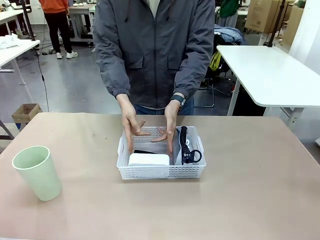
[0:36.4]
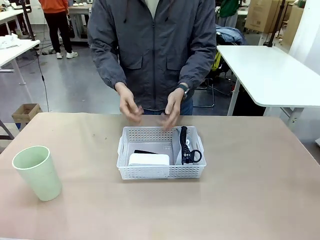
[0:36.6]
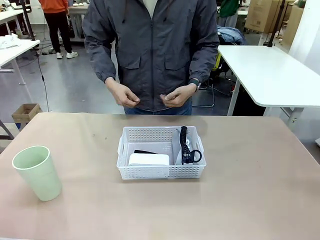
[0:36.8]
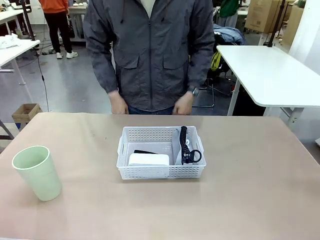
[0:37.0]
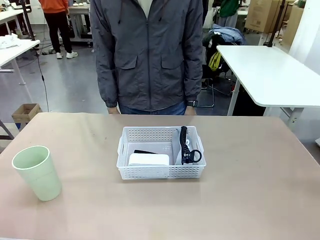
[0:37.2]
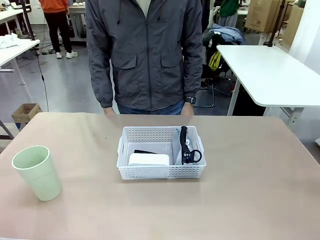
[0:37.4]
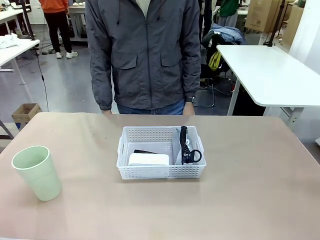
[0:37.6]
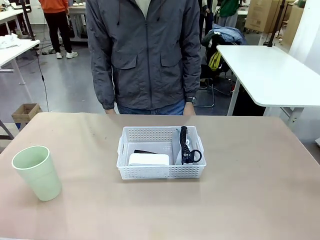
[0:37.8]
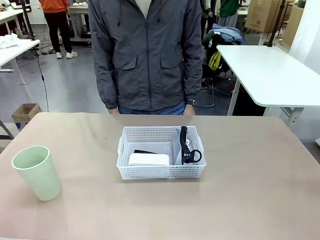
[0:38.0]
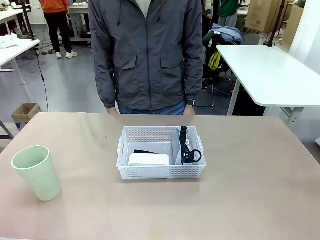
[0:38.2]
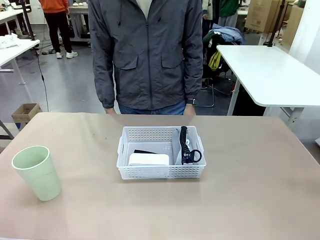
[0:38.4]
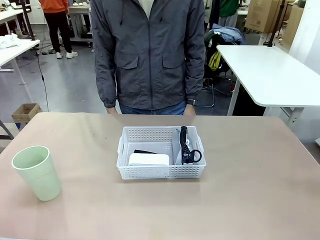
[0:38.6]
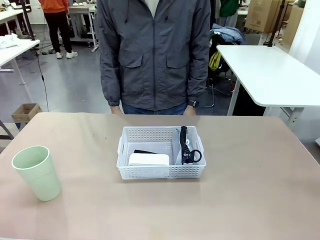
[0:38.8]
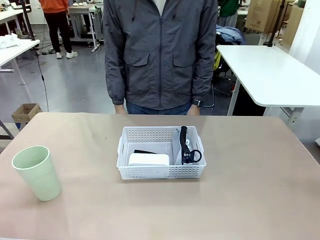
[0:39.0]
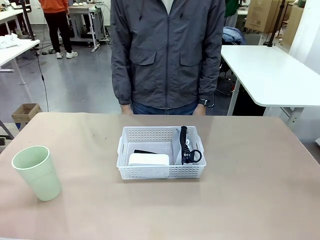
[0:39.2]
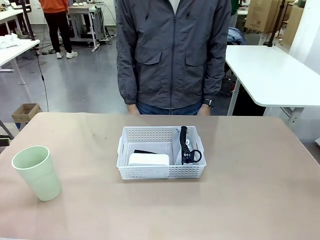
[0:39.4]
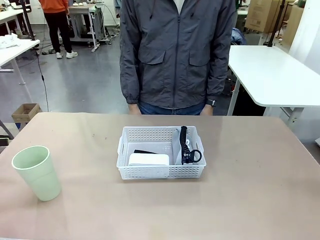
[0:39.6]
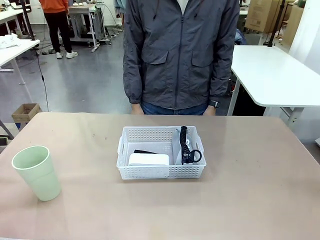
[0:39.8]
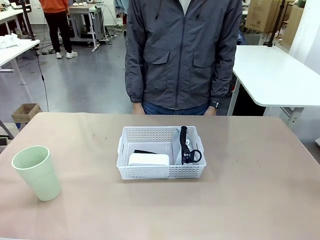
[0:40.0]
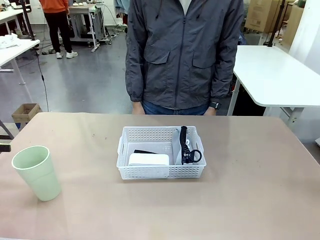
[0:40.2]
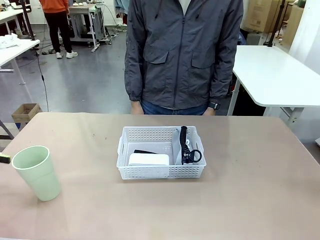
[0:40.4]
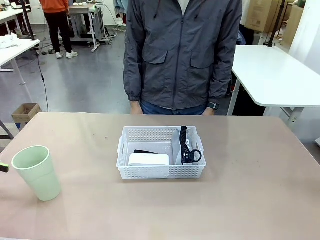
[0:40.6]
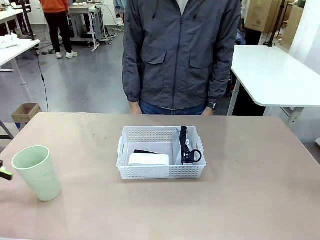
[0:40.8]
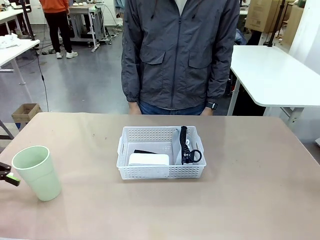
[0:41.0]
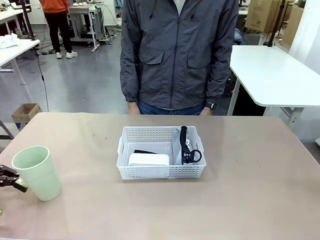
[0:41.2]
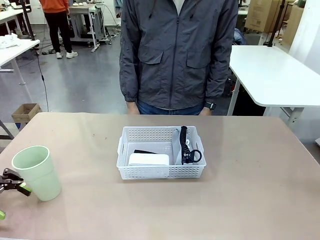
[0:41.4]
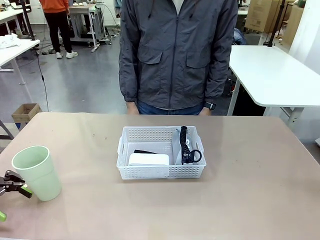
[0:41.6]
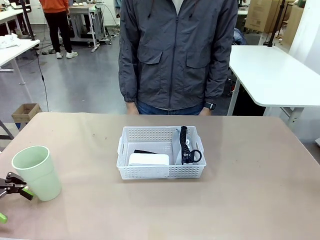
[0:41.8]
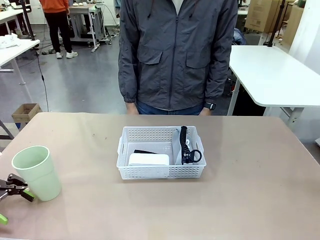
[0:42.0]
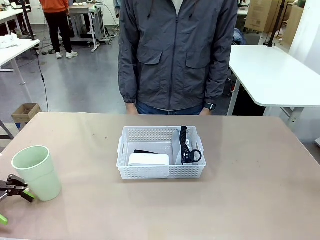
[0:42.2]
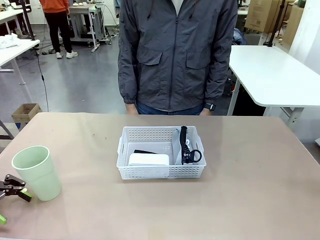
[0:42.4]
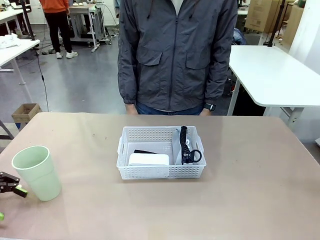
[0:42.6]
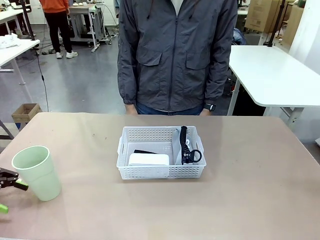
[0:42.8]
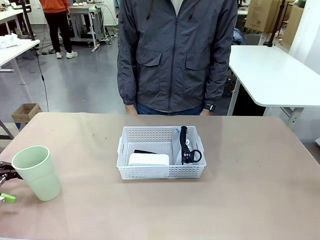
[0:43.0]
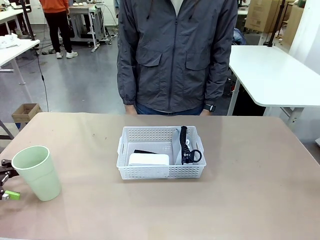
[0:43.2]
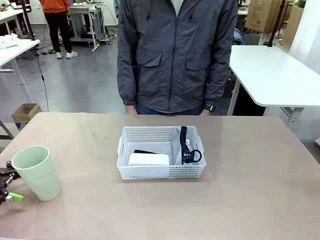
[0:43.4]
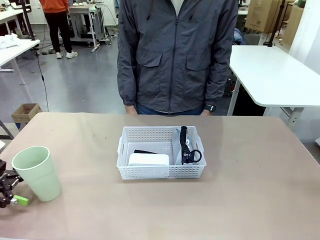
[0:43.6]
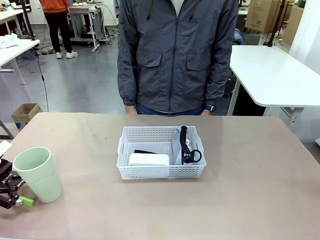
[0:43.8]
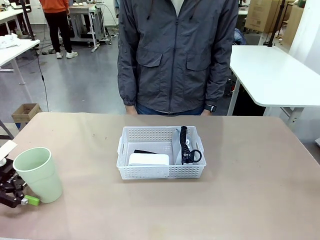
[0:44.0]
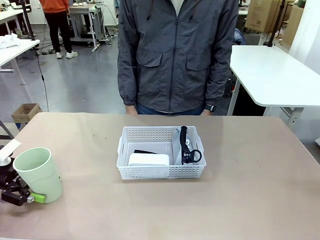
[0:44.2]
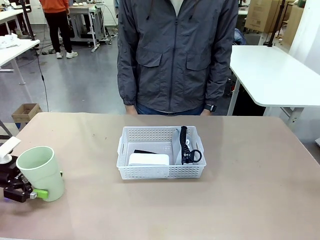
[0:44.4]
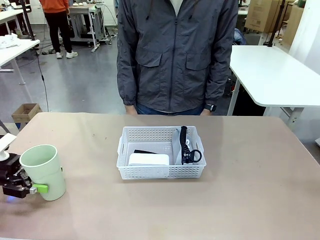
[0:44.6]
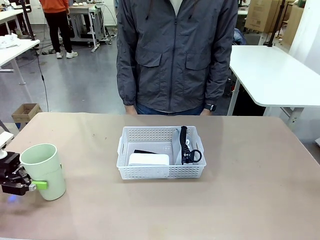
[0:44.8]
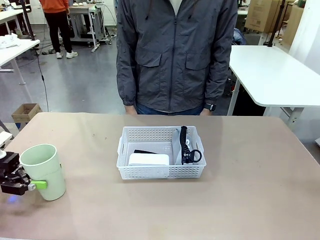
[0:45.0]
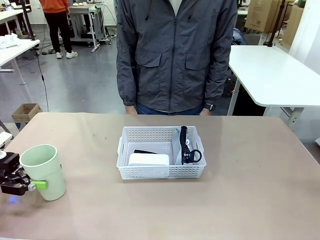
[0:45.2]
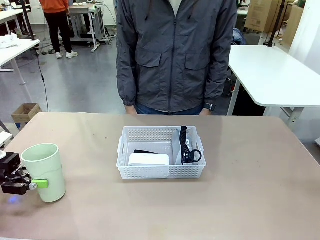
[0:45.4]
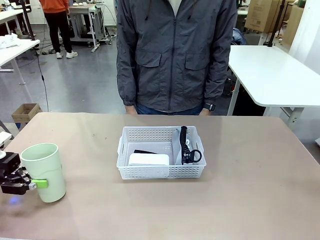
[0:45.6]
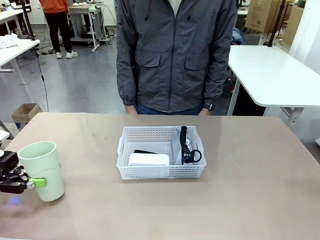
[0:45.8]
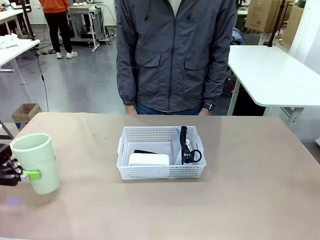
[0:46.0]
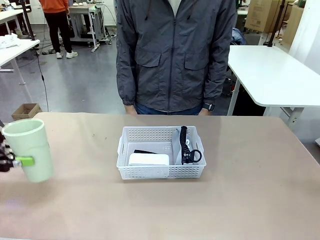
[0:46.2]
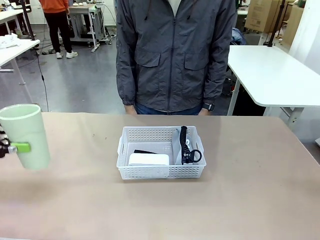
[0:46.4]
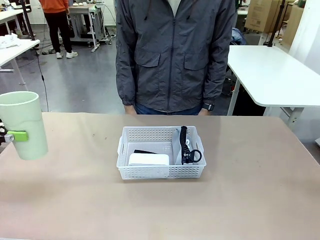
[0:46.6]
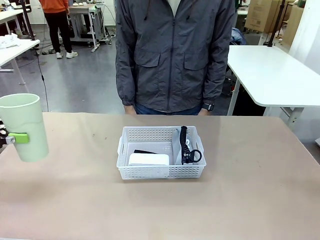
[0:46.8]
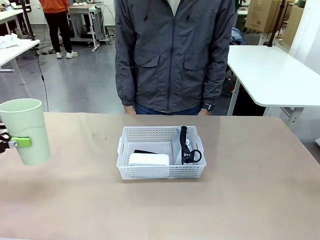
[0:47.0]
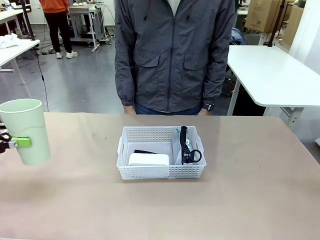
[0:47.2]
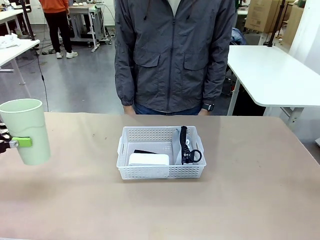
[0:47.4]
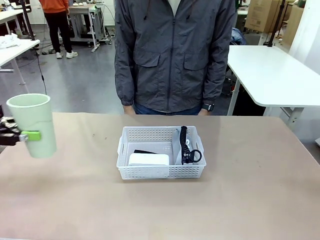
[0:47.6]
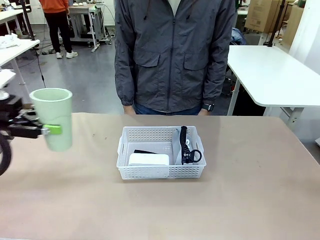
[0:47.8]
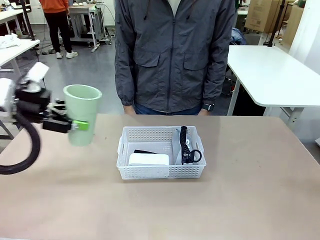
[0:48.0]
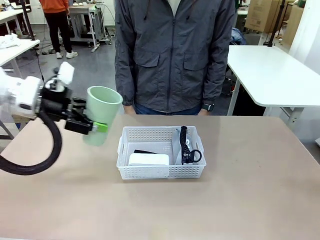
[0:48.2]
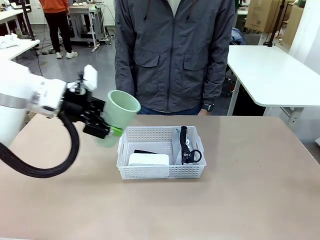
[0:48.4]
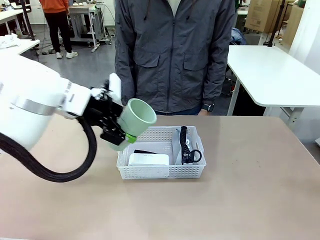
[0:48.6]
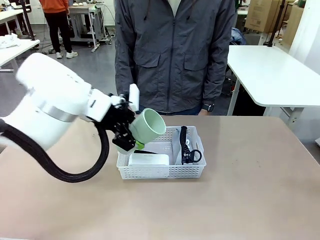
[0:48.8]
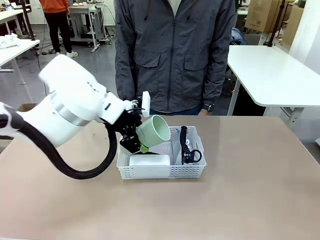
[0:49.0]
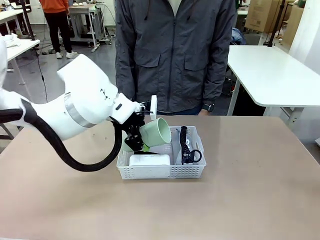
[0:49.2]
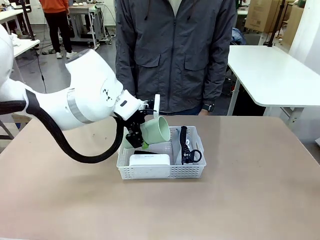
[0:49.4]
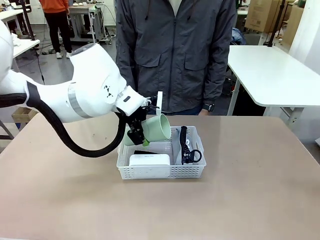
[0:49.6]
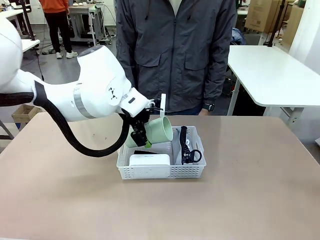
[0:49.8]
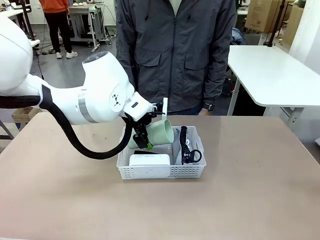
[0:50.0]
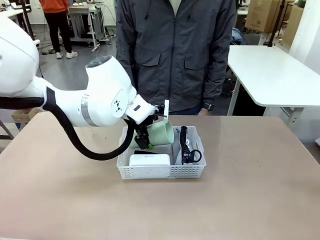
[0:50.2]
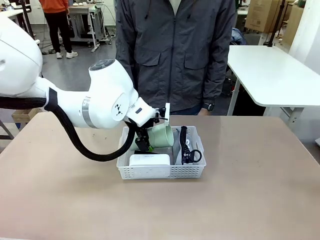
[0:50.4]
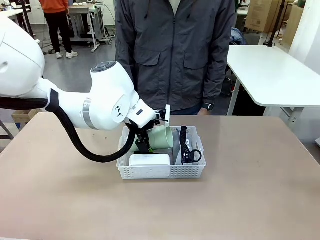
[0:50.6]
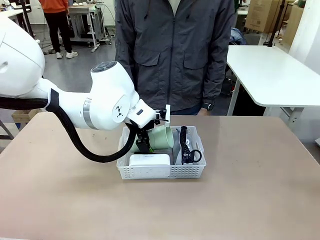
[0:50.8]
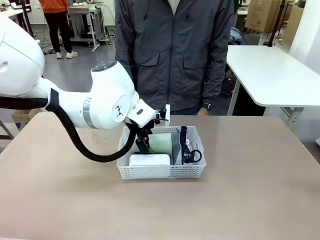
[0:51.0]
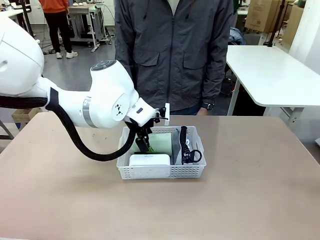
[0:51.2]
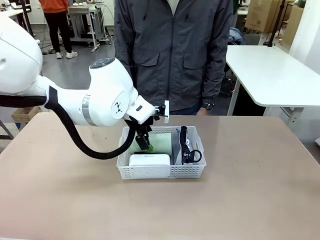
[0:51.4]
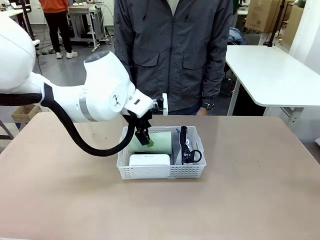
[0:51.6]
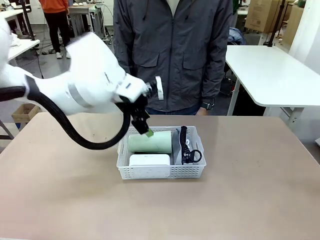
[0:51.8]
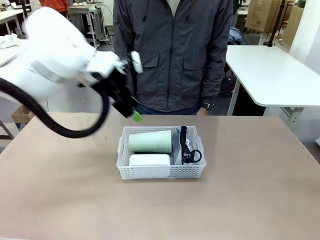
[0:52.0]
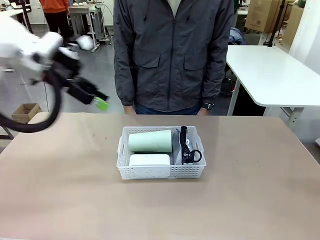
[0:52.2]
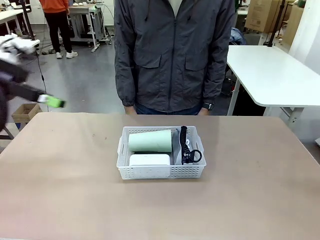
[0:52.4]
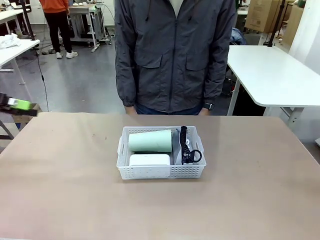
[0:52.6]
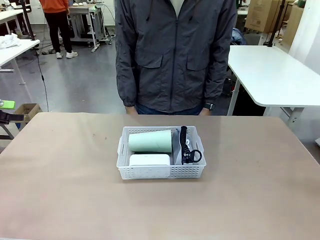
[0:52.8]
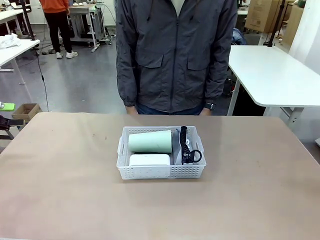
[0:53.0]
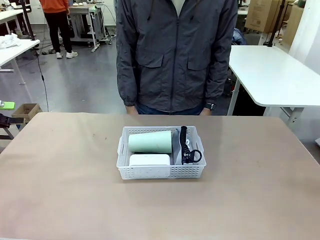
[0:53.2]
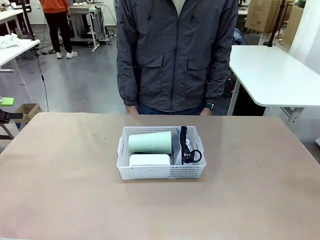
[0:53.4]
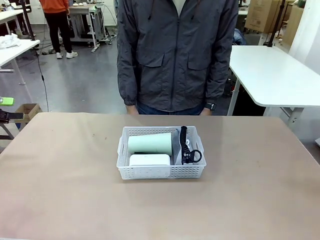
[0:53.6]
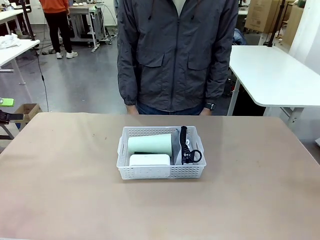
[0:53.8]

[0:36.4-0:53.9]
Task: Efficiently arrange items inside the basket to fit them all.
Robot: Pick up the Reusable plastic cup and place it inside the Organizing basket.
Person: Repositions the stapler.
